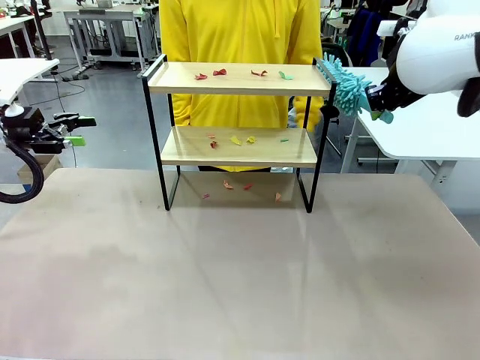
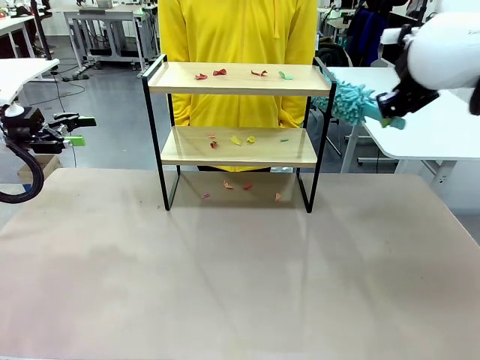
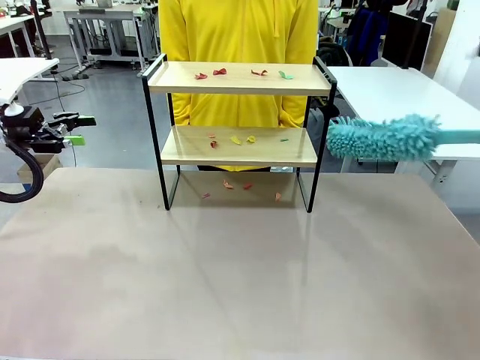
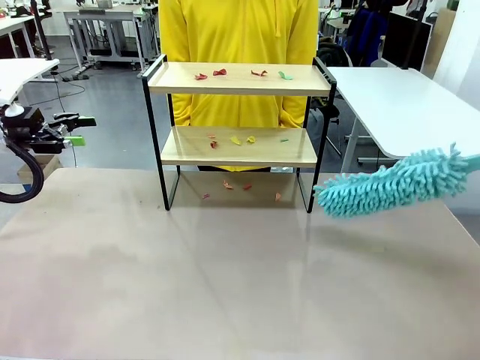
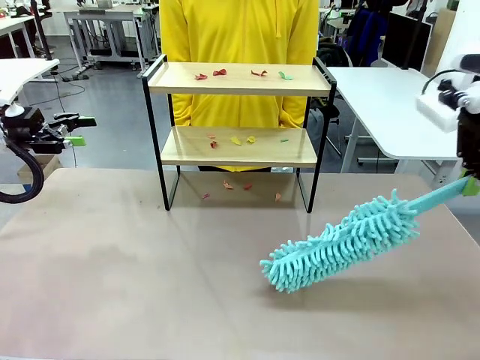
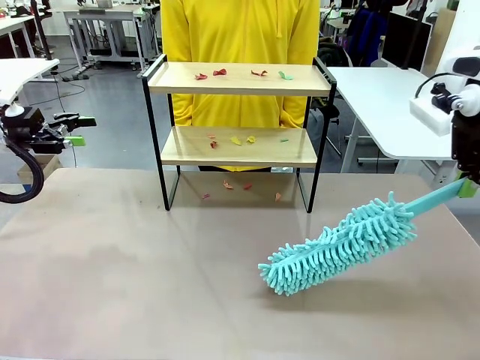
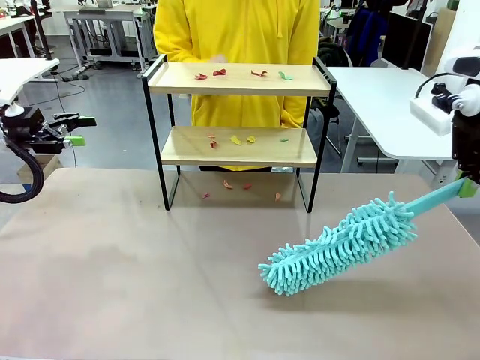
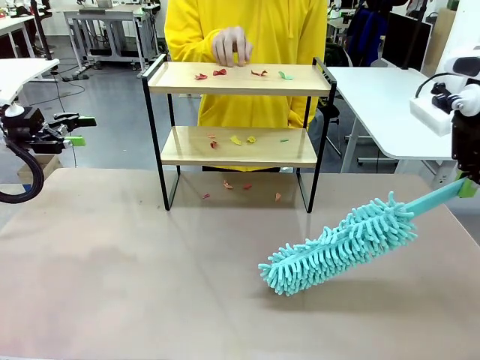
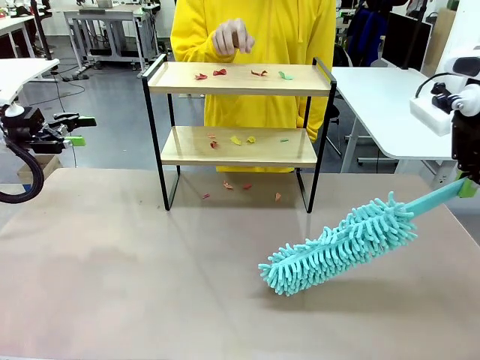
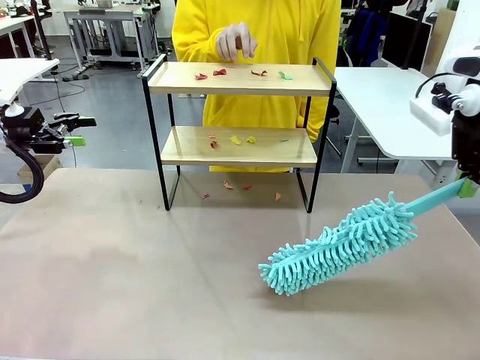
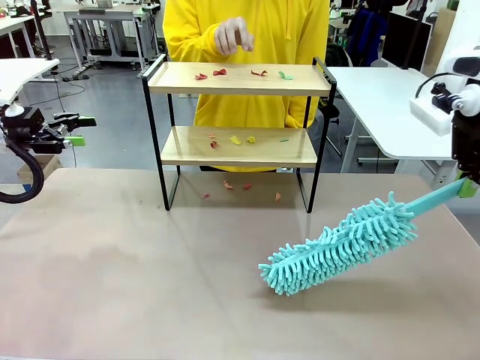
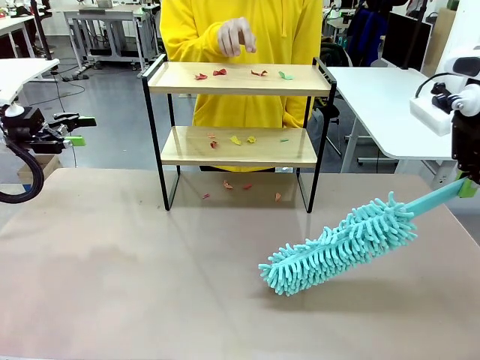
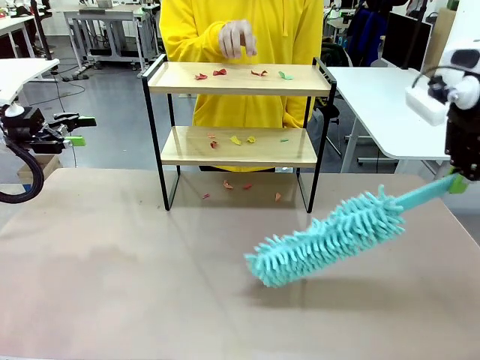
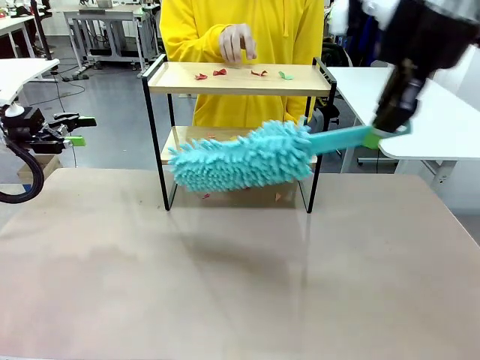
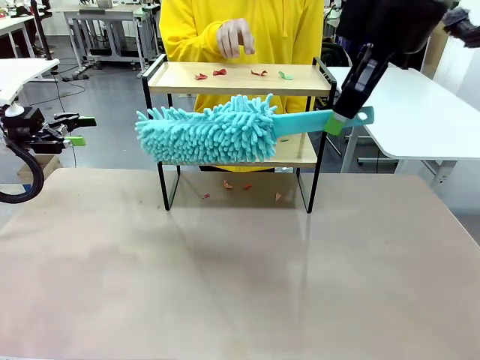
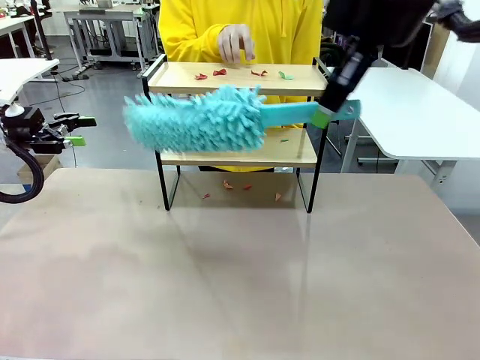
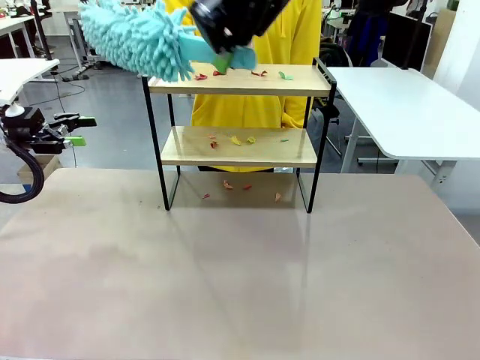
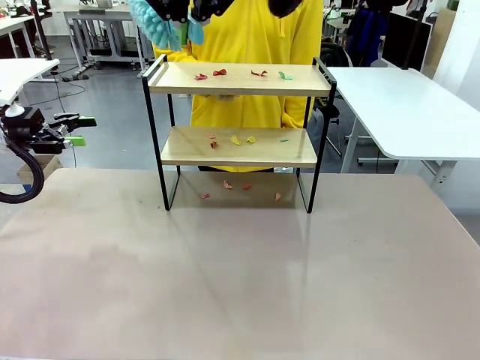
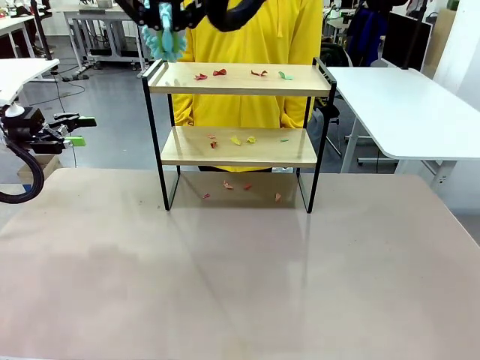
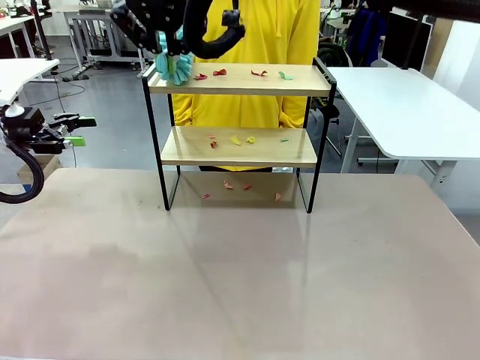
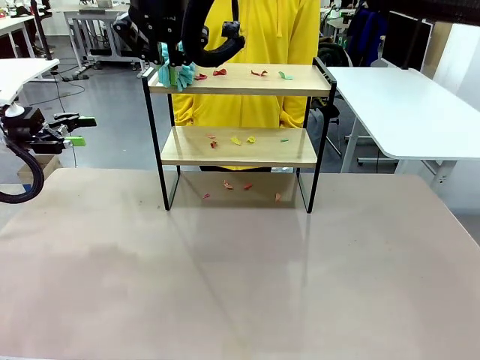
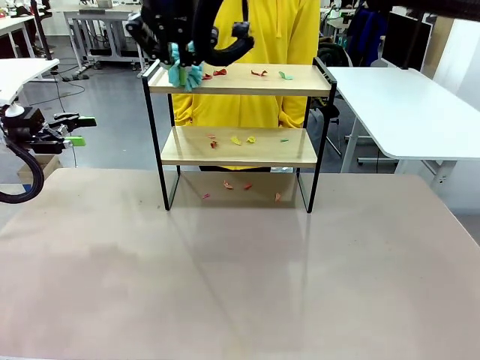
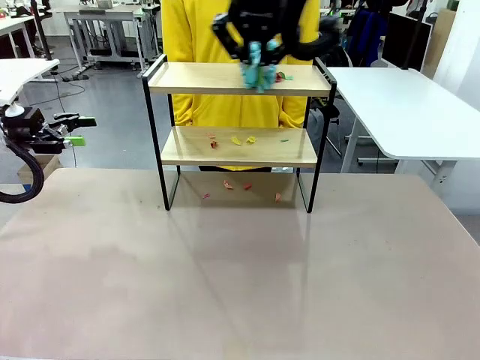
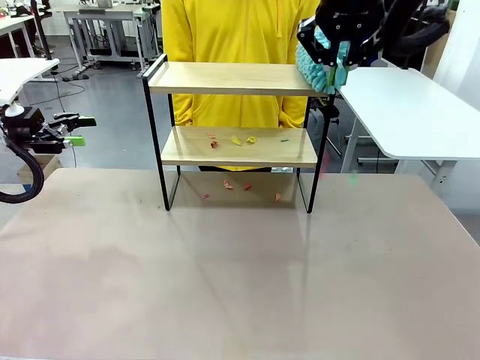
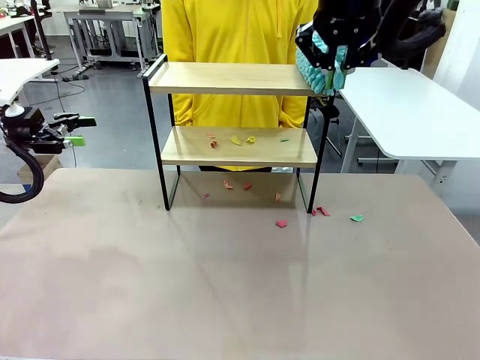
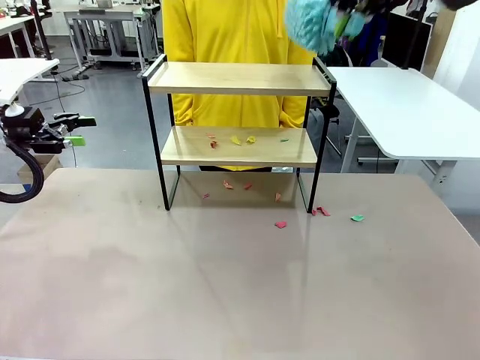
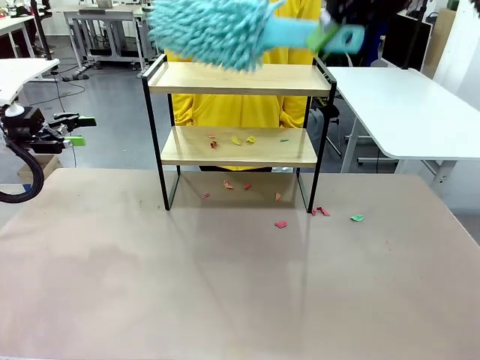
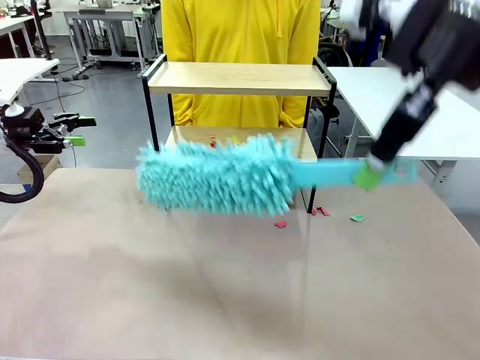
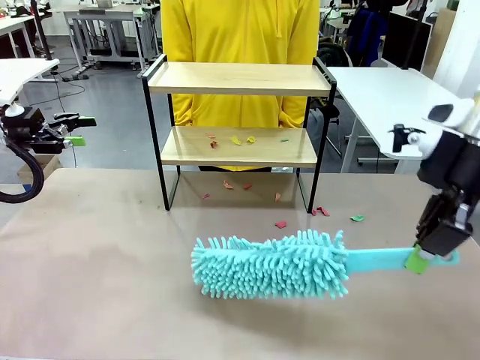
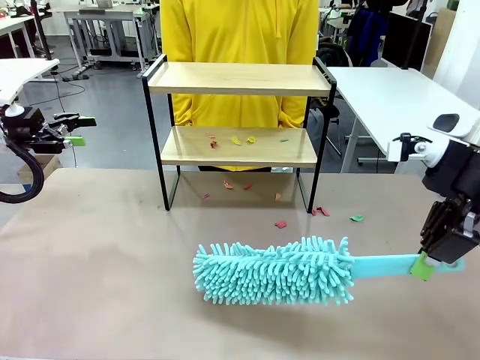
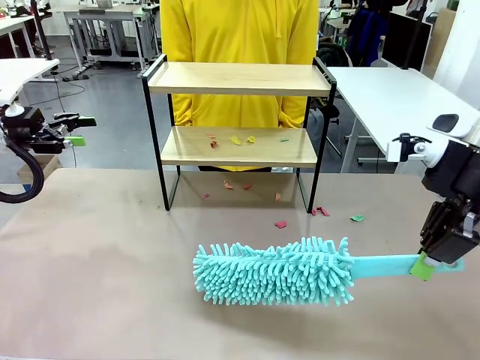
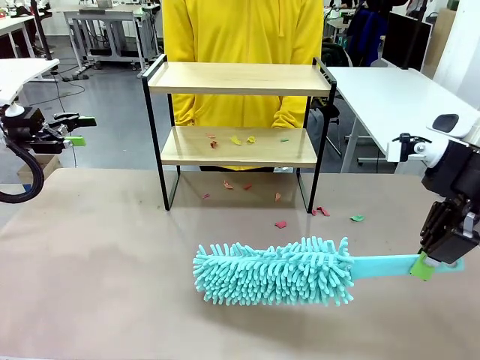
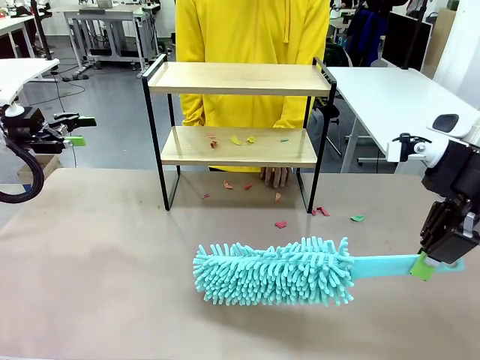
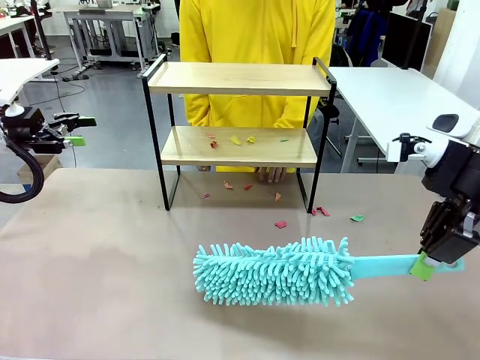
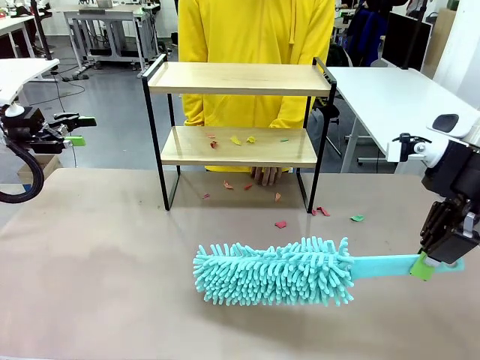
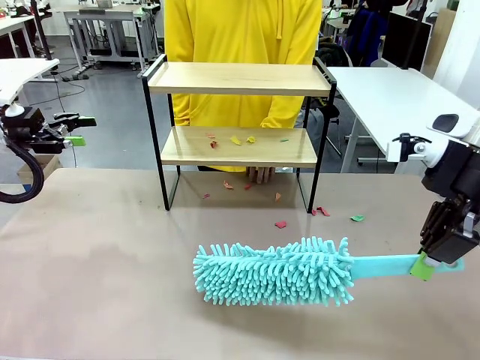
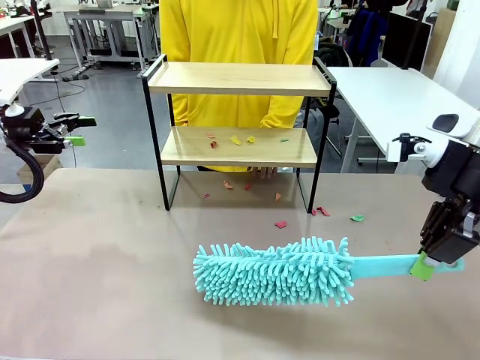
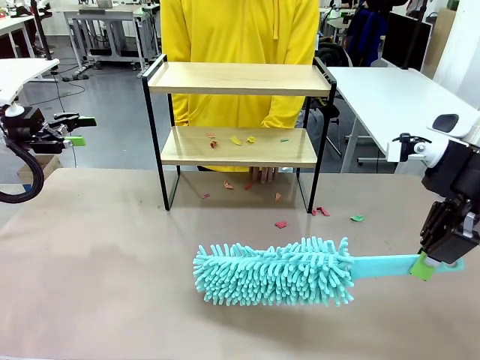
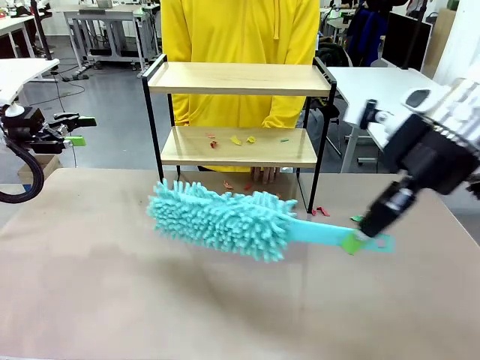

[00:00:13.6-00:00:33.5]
Task: Clean the shelf.
Robot: Clean the specific section of the Shelf indicated by the human with the Duster.
Person: Point a random section of the Shelf.
